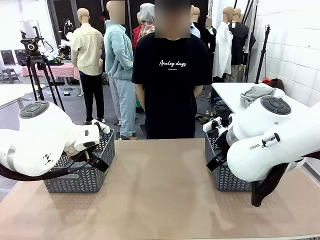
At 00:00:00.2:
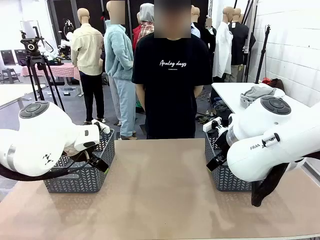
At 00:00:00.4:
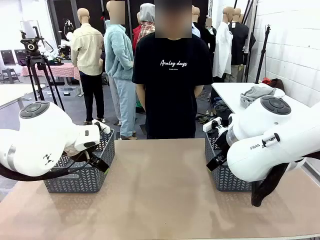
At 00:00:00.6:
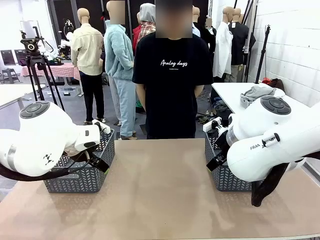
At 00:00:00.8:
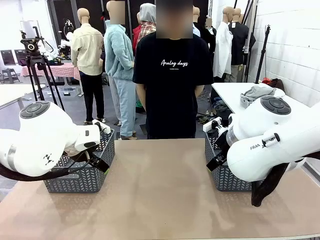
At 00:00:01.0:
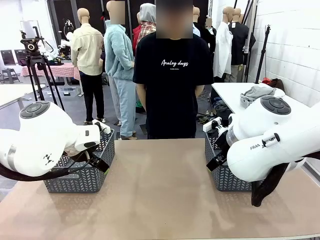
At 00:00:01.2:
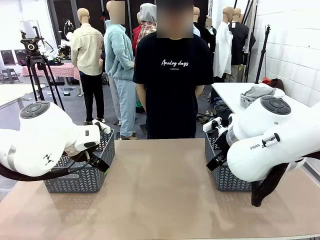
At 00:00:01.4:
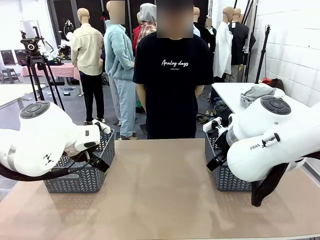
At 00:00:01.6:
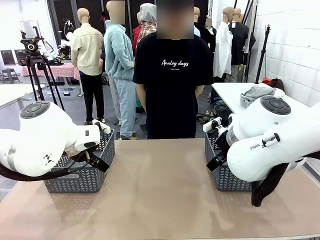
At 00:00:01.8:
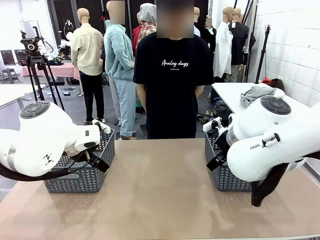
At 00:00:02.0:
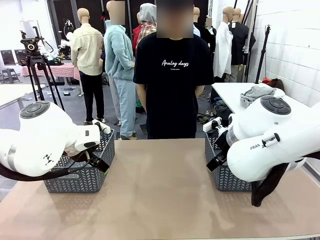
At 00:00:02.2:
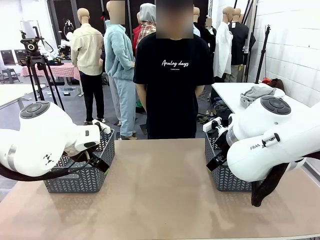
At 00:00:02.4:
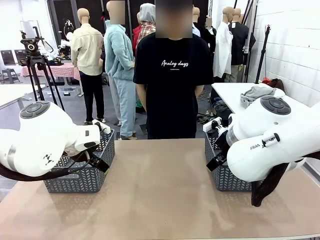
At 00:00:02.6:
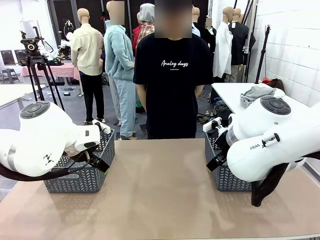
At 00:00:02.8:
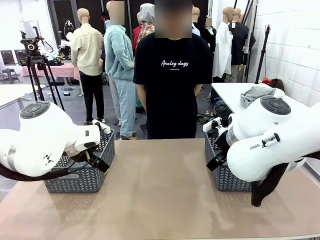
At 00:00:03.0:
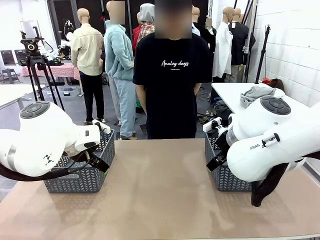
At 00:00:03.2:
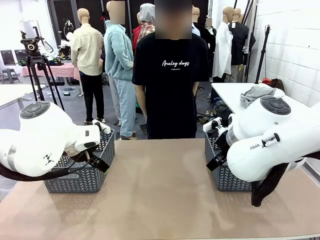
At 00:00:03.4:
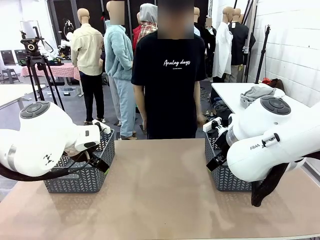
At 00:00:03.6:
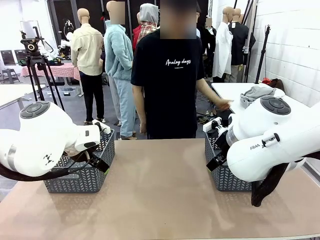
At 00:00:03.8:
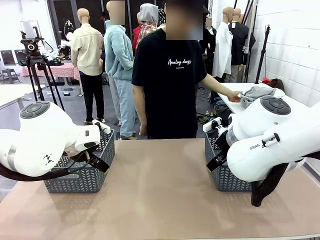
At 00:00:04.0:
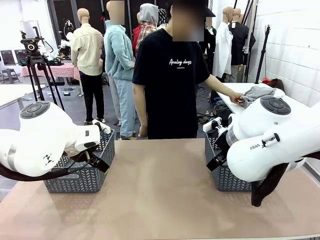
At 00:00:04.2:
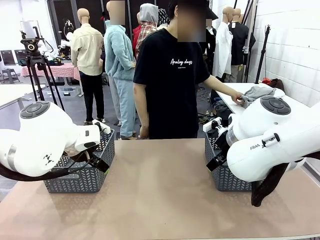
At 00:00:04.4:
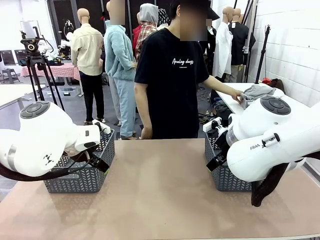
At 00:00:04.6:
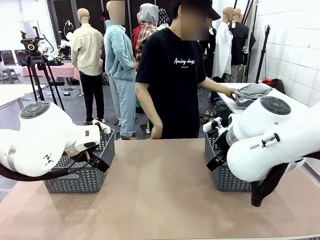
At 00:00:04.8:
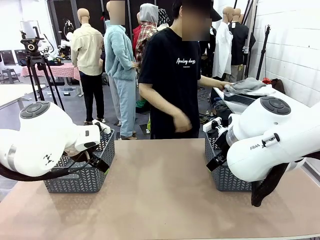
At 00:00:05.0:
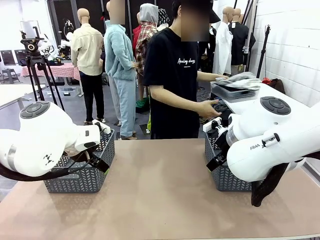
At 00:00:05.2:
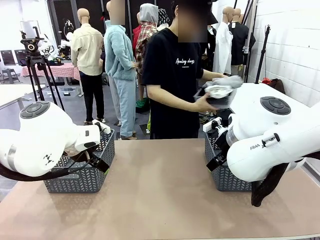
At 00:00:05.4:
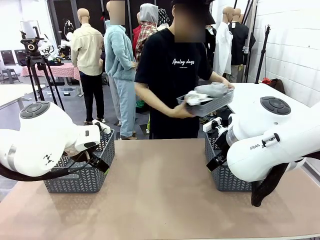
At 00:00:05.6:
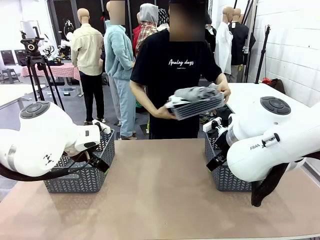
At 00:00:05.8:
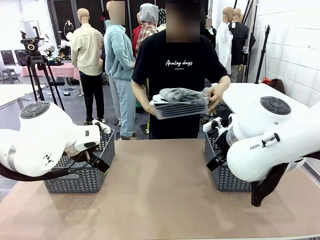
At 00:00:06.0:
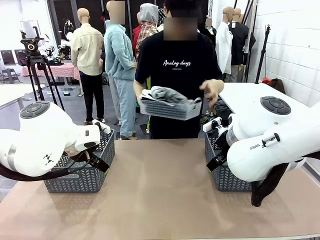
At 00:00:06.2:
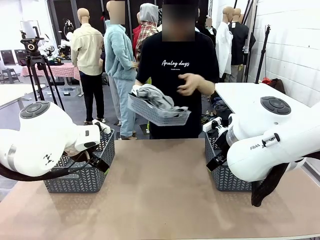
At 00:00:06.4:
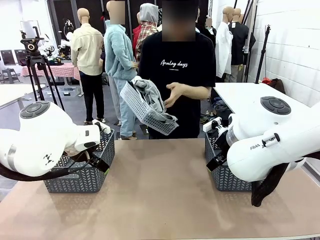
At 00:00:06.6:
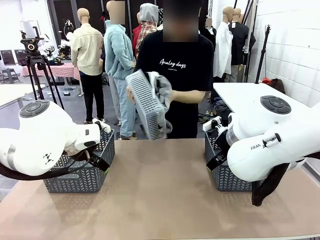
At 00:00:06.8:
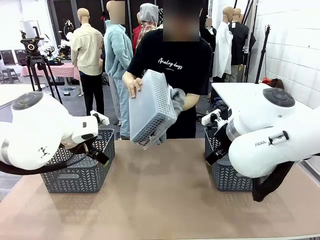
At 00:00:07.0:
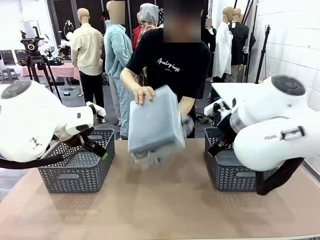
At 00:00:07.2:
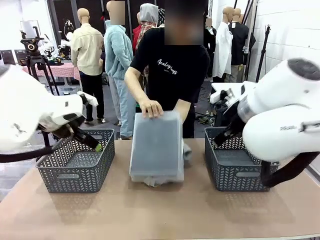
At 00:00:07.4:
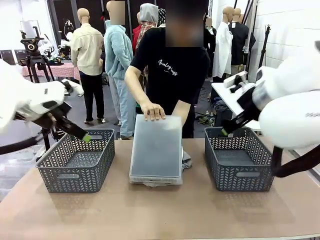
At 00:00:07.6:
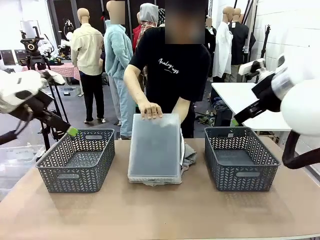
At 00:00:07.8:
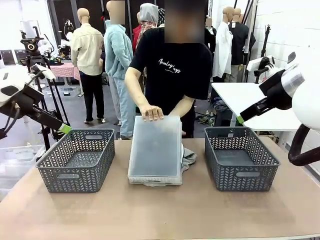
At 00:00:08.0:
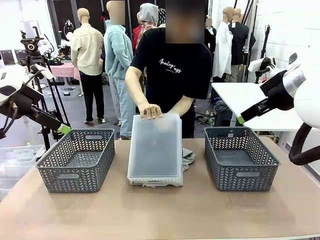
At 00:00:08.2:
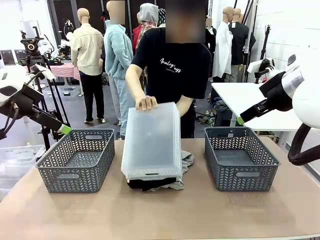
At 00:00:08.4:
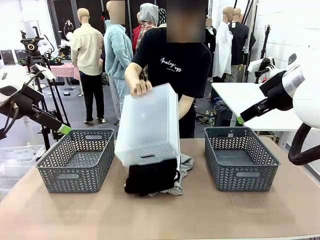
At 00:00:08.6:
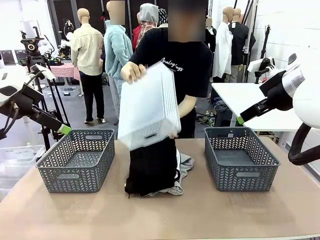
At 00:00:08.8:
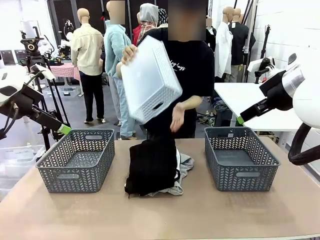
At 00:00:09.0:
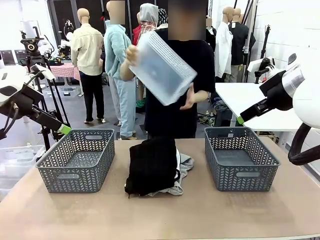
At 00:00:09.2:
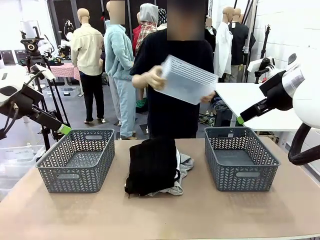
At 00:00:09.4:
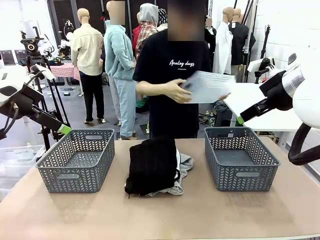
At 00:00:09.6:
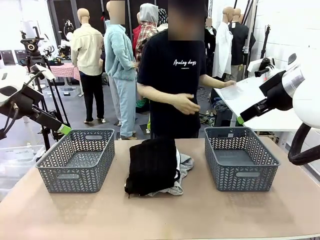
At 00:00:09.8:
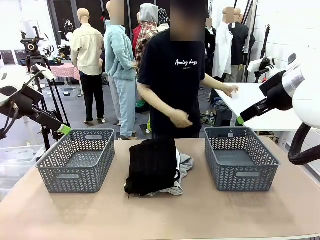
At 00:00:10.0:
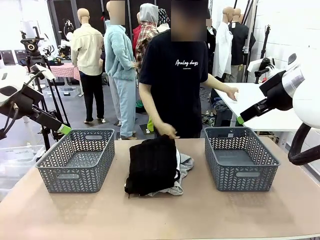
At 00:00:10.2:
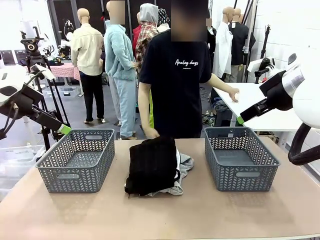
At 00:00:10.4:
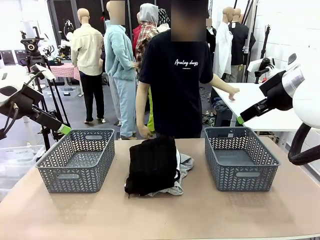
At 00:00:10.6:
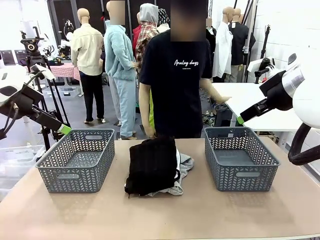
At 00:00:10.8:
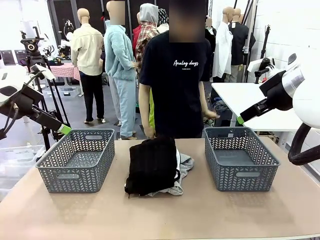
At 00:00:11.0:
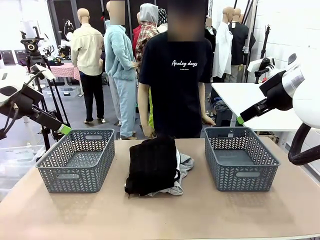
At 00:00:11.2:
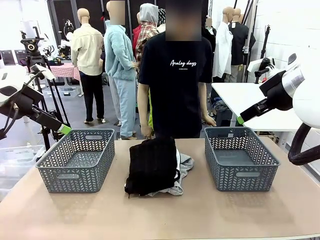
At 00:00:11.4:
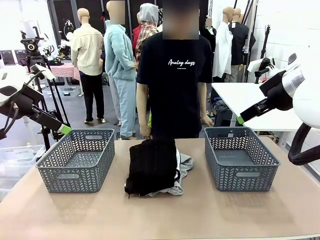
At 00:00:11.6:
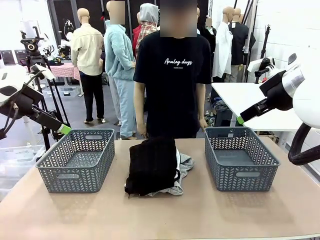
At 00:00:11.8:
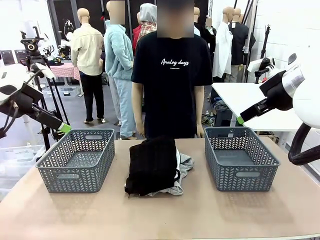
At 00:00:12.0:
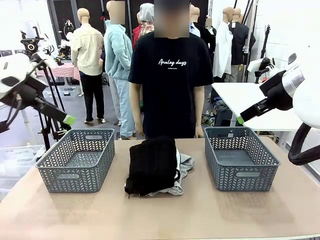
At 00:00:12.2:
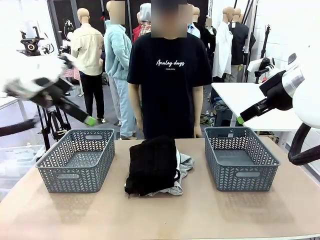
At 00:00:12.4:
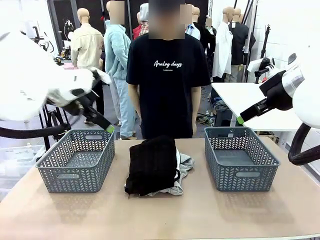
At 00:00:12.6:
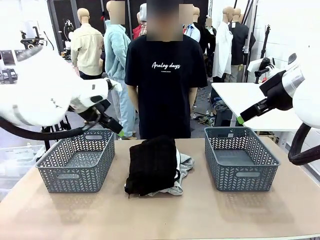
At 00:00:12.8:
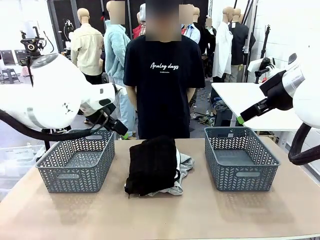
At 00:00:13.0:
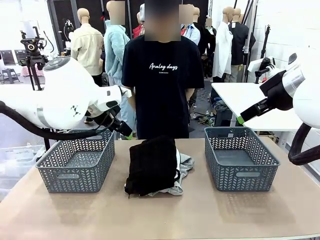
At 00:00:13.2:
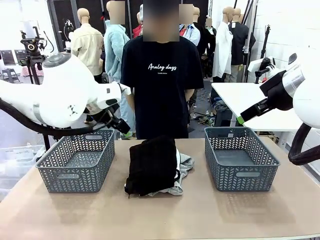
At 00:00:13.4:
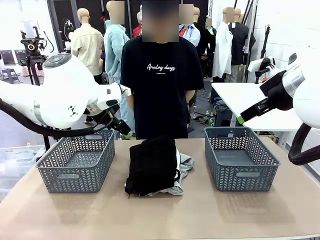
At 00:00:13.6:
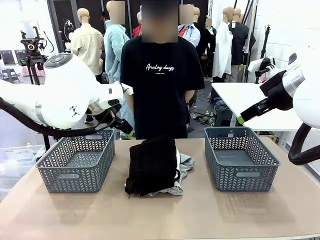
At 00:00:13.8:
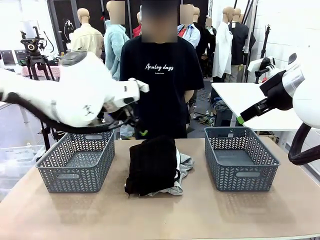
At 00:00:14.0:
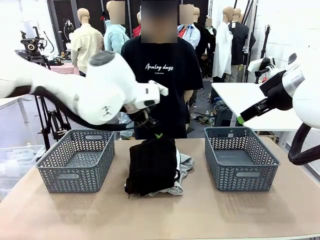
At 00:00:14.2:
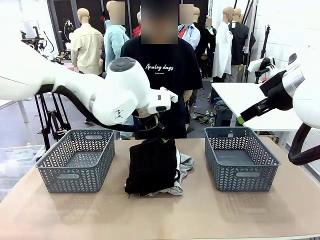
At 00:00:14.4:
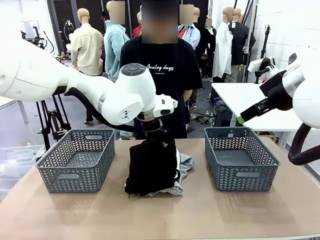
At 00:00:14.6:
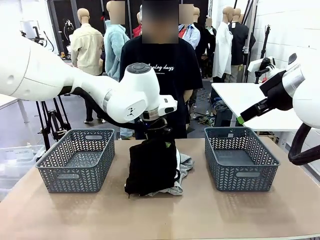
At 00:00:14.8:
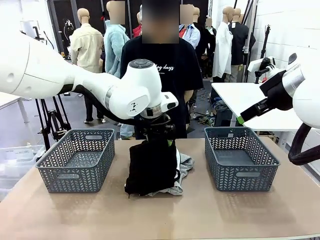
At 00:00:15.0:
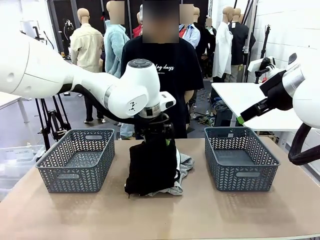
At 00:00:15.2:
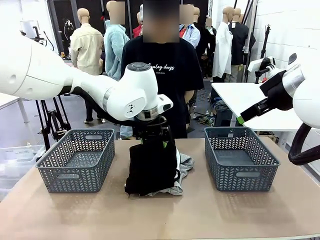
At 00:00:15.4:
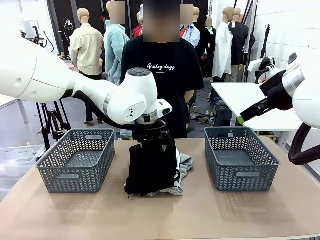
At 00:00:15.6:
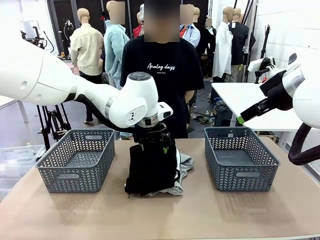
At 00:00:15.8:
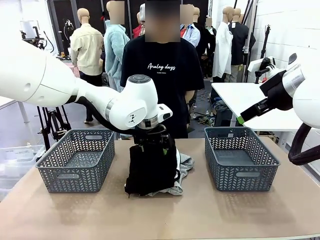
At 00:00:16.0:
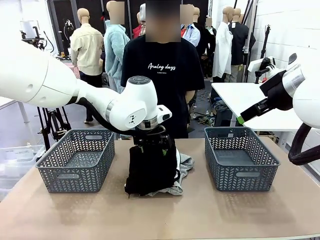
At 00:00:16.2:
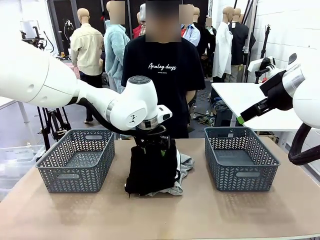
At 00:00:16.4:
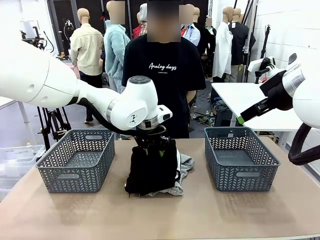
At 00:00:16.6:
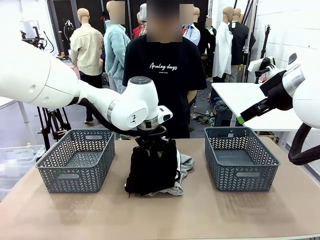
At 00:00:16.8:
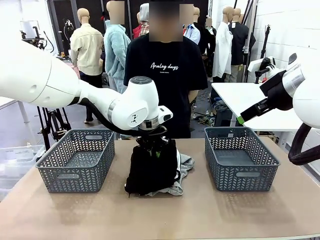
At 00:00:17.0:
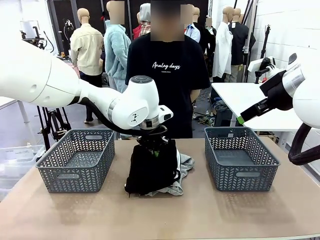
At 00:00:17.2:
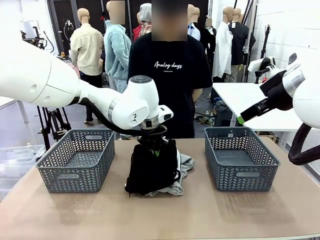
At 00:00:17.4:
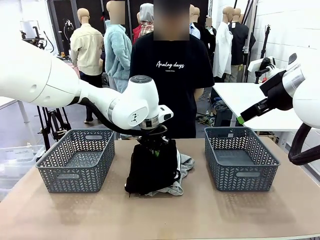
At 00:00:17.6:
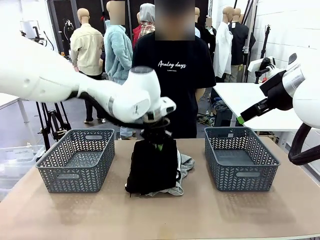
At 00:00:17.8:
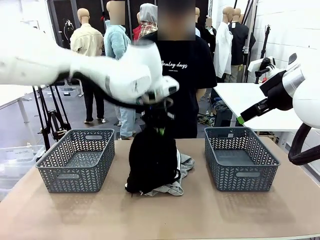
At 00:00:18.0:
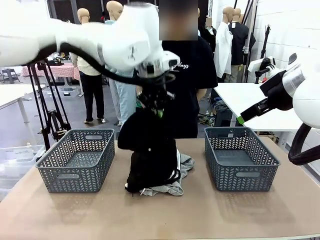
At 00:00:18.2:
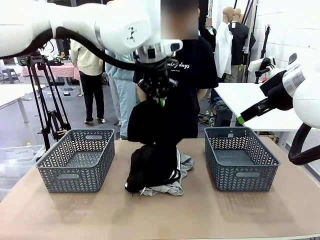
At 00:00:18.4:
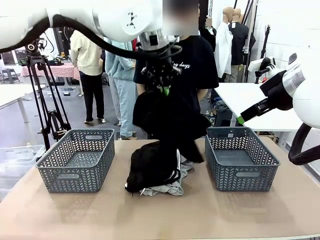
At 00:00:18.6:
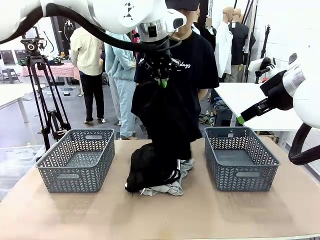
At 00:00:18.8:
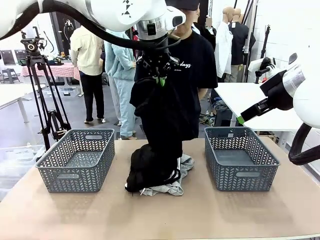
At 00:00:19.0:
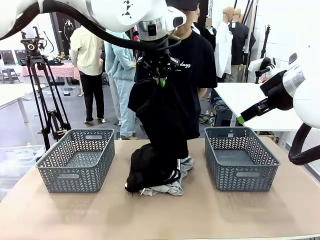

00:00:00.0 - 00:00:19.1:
Task: Sort the tops and bottoms.
Robot: Lift clothes from the center of the table with your left hand.
Person: Pour the clothes from the basket onto the center of the robot table.
